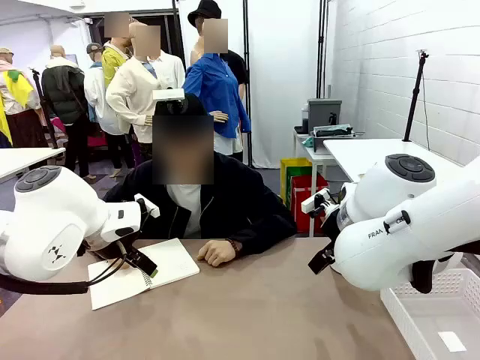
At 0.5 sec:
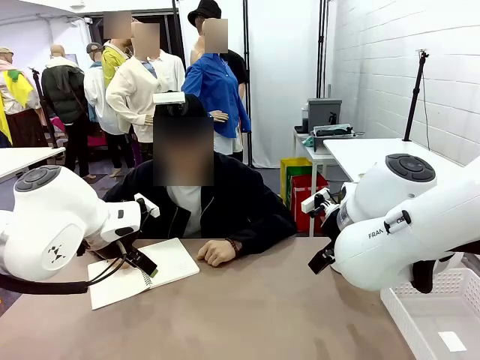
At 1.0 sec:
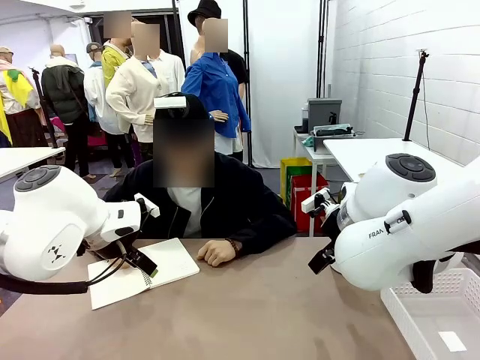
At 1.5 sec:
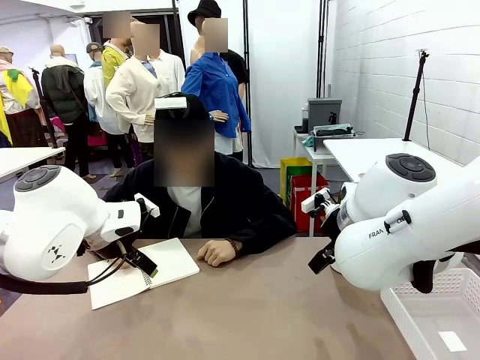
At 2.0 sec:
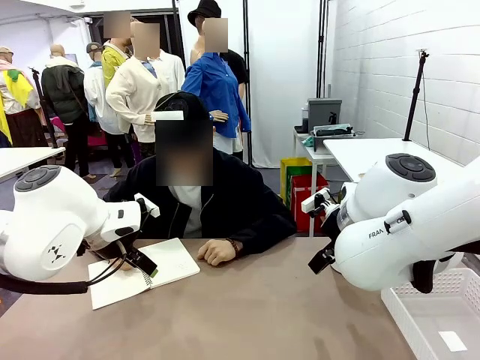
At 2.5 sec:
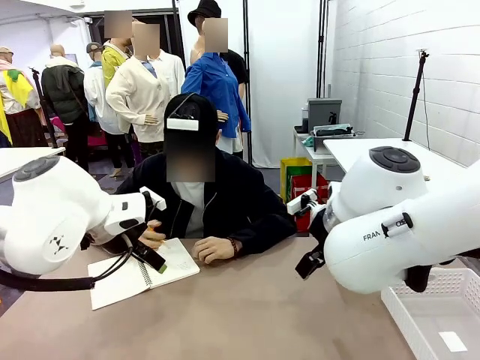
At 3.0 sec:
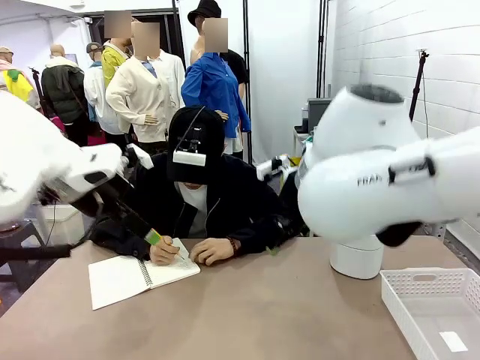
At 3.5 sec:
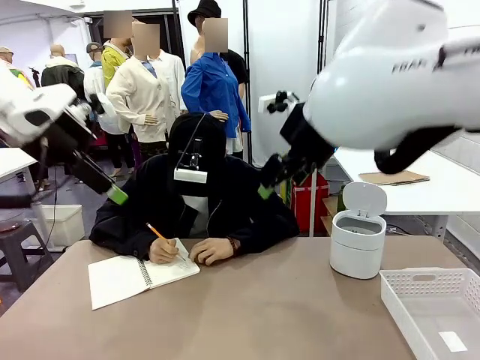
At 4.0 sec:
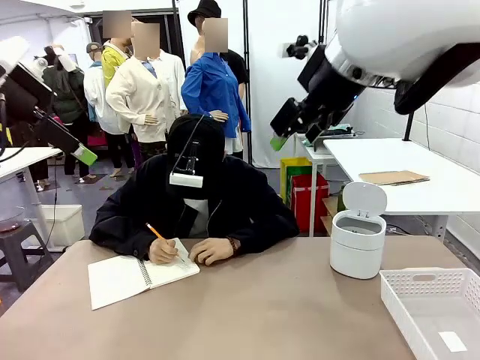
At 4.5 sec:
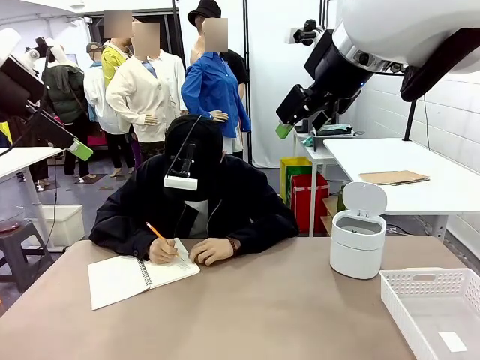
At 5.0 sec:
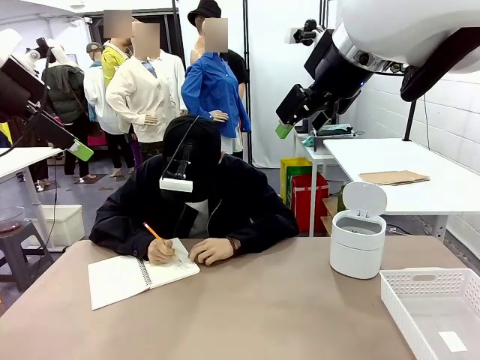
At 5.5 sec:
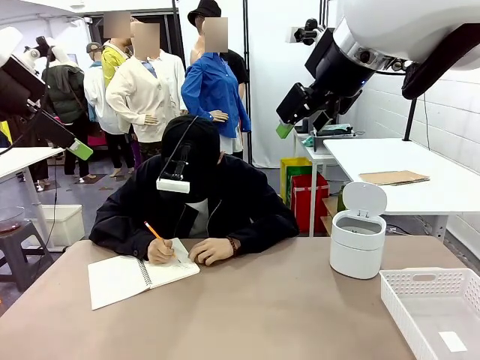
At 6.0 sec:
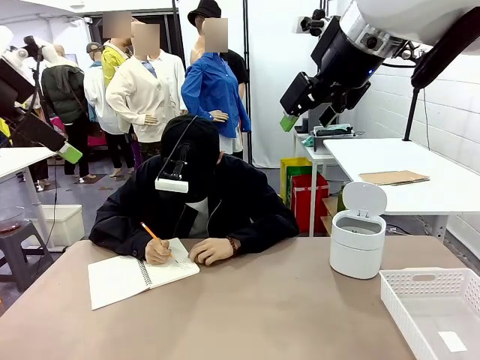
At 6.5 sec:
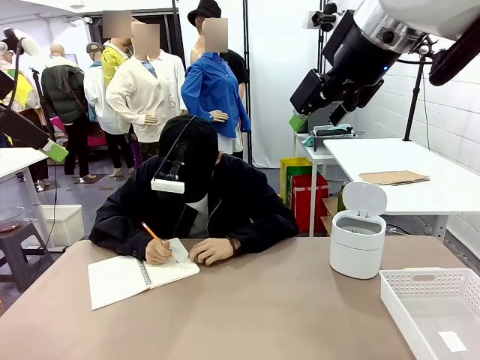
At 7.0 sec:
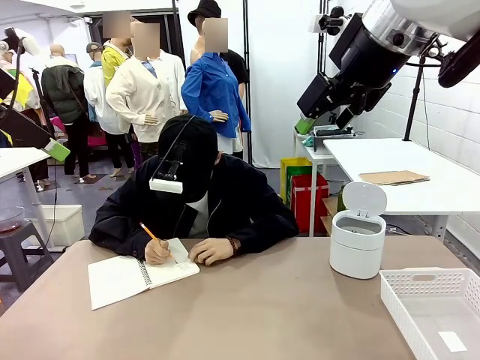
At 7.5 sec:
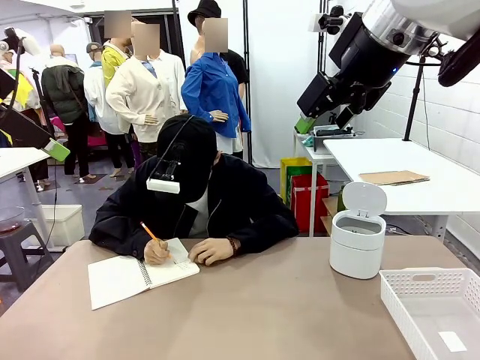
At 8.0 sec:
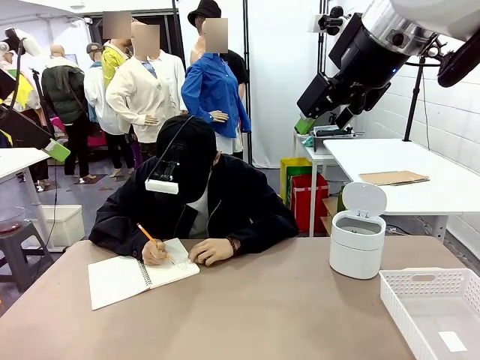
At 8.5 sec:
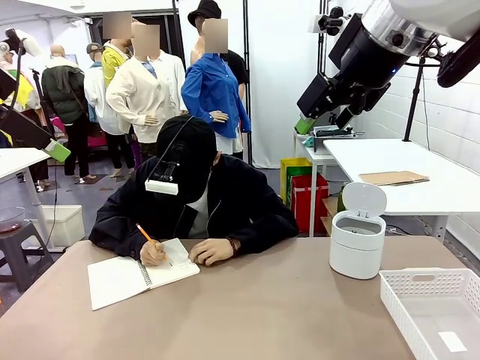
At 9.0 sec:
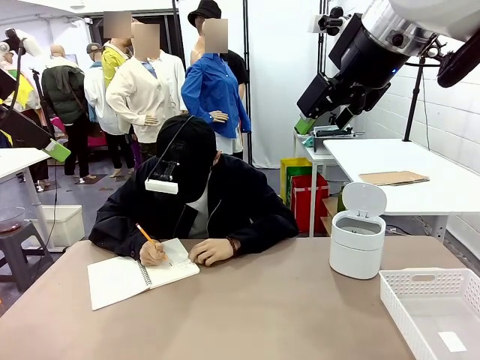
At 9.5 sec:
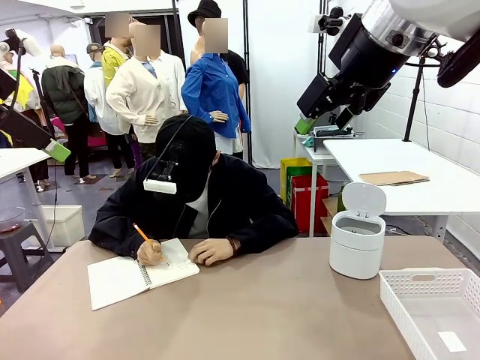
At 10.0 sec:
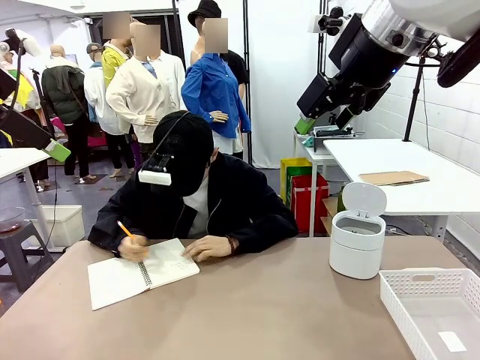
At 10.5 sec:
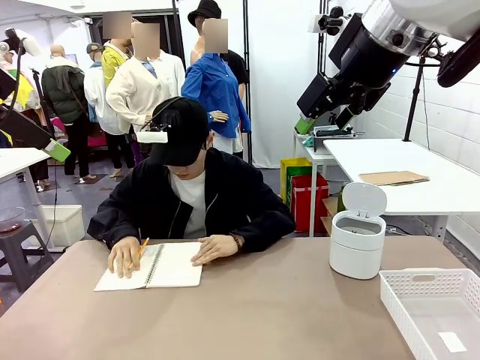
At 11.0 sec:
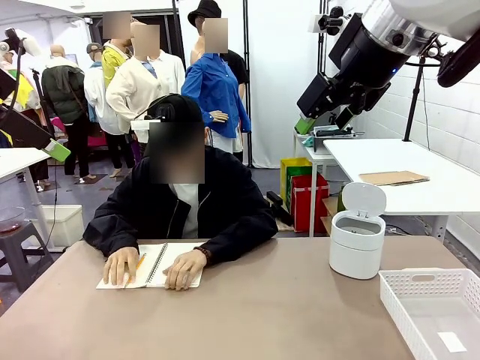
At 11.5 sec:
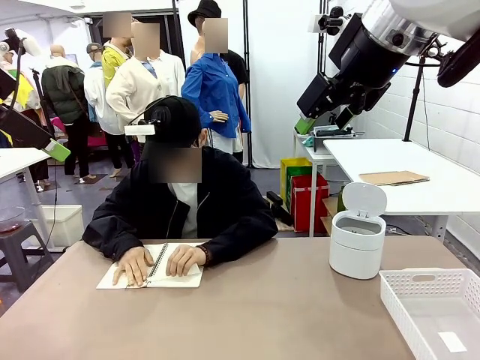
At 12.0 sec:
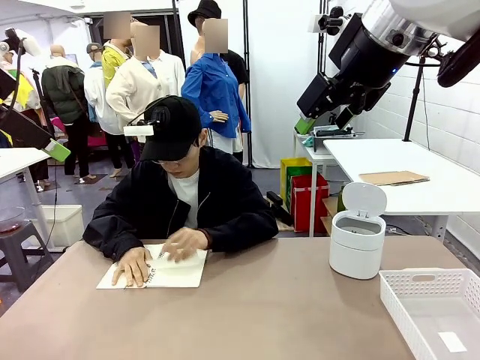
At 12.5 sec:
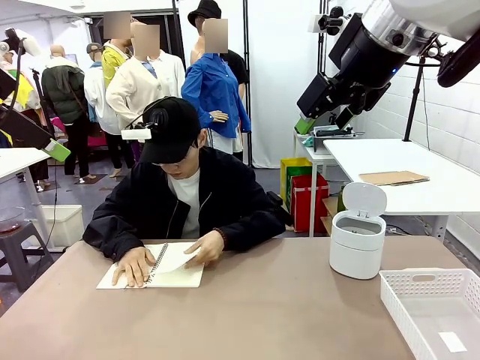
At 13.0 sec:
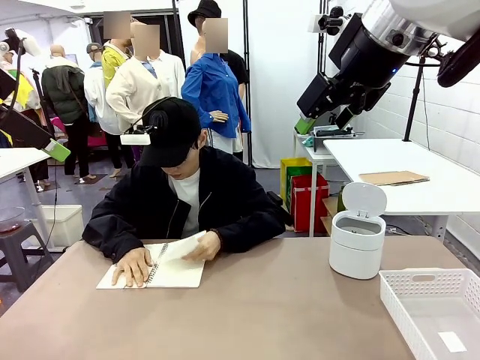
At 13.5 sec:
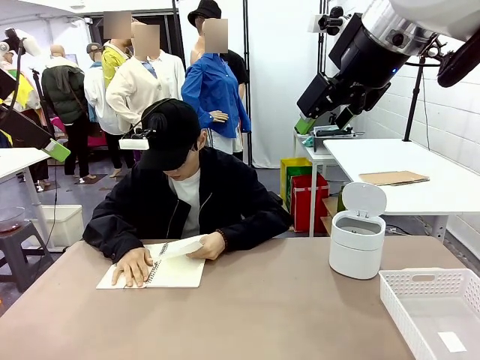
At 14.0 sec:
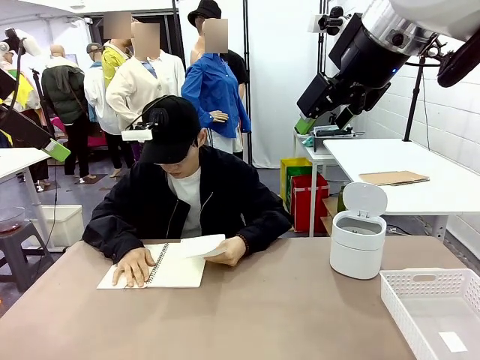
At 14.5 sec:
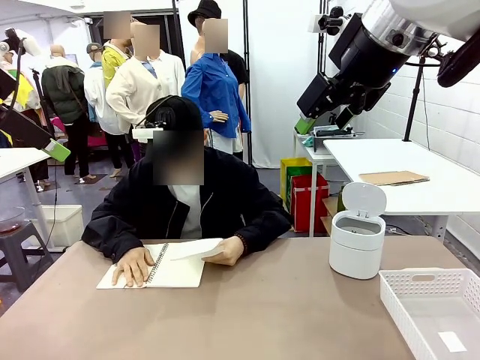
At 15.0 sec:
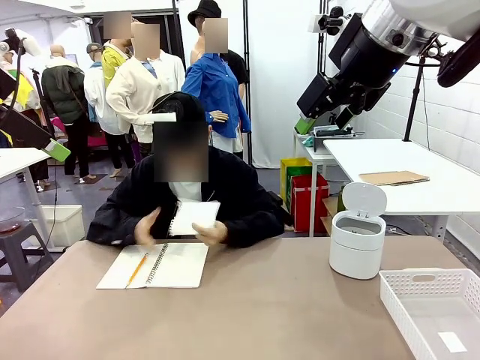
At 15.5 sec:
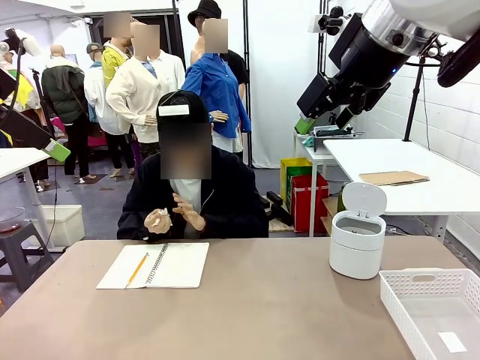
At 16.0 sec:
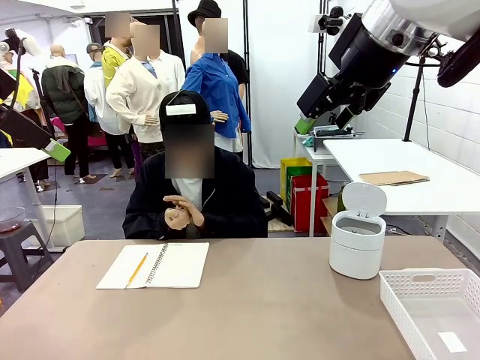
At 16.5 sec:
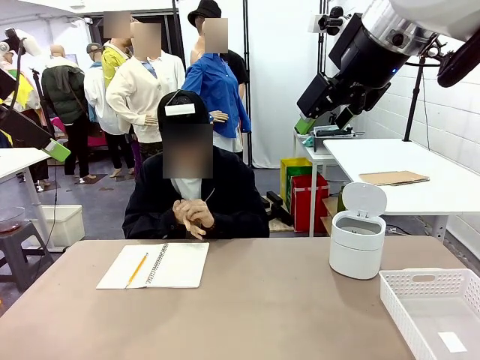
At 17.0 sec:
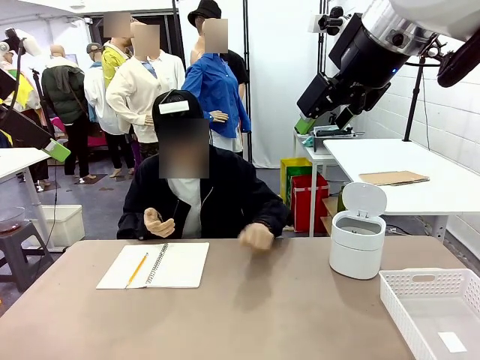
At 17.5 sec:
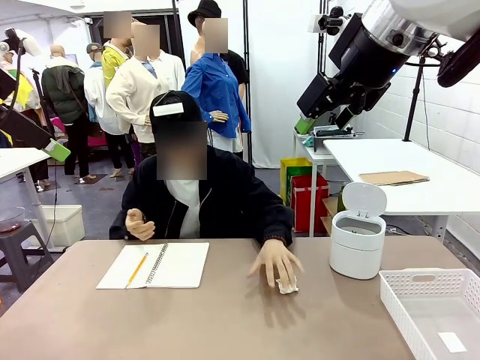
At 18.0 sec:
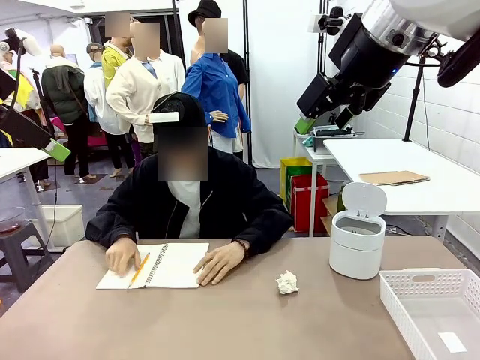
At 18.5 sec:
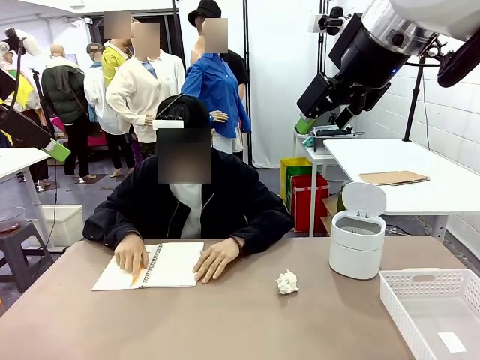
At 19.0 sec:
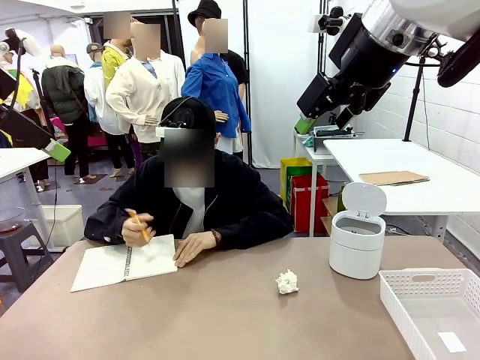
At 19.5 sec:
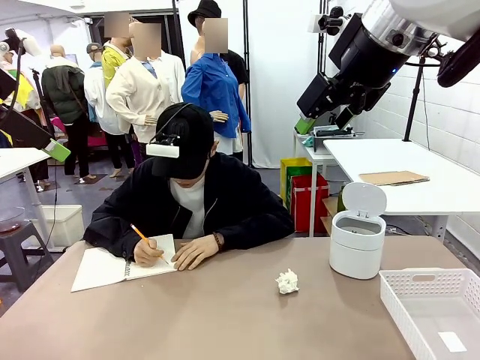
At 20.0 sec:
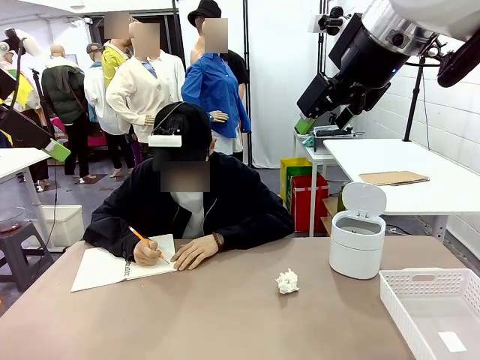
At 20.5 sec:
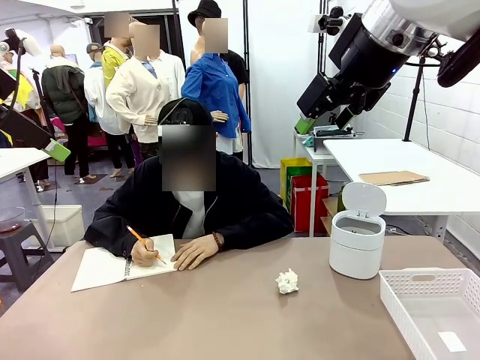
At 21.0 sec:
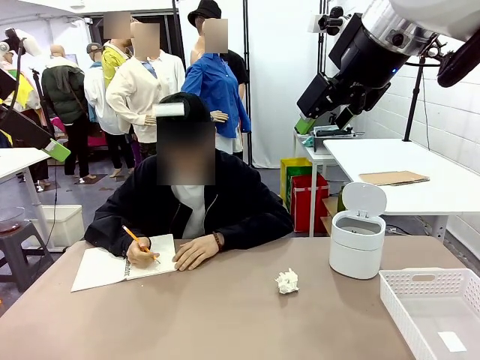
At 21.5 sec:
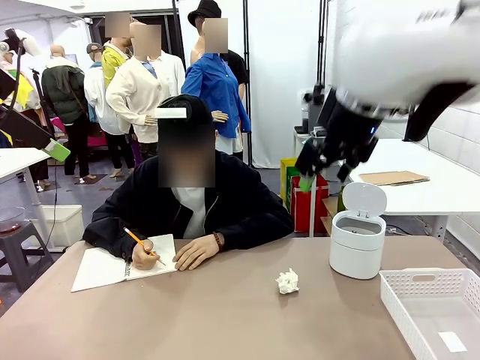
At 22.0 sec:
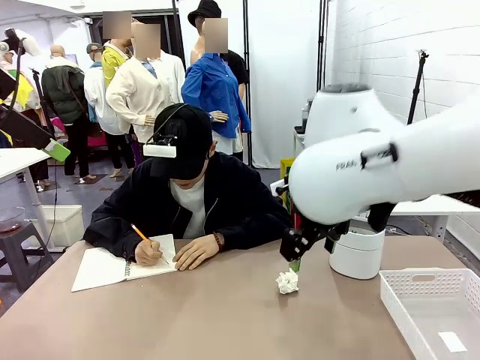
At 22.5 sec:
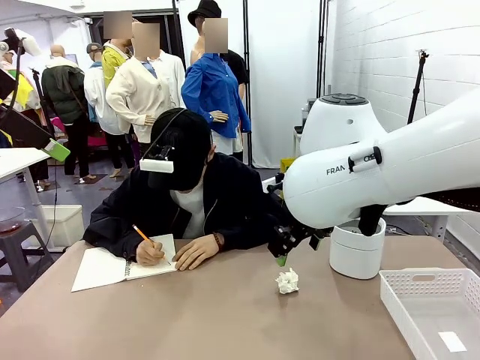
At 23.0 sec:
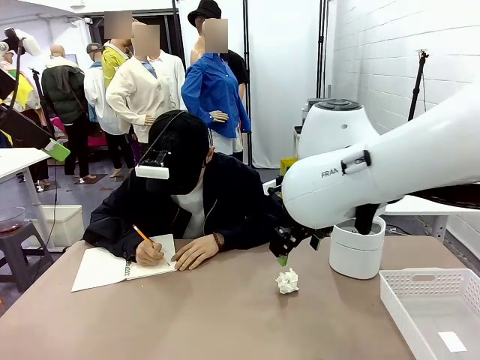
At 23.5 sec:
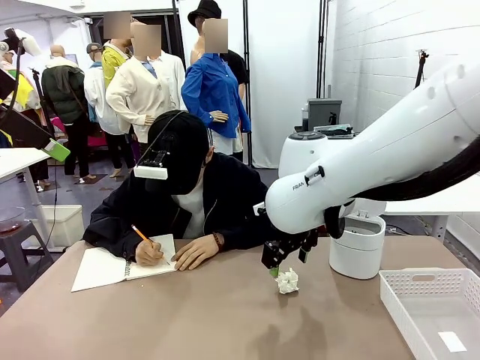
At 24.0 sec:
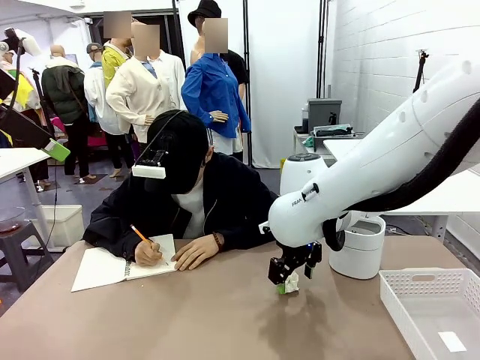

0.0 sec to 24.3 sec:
Task: Sort the paper based on its condition.
Robot: If a person hands you a paper, place it in the Organizing basket , and if it's crumpled, put it in the Trash can.
Person: Tear out a page from the spiral notebook. Hand the torn page to the robot or crumple it and throw it to the center of the table.
